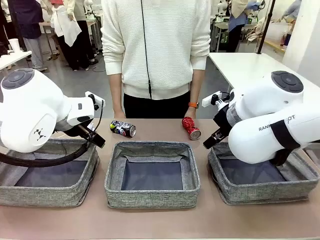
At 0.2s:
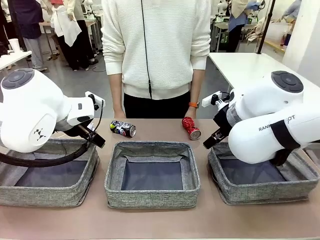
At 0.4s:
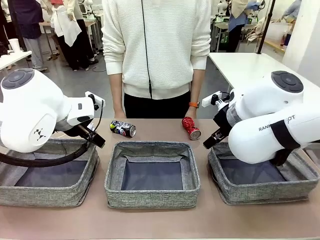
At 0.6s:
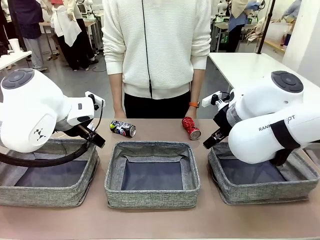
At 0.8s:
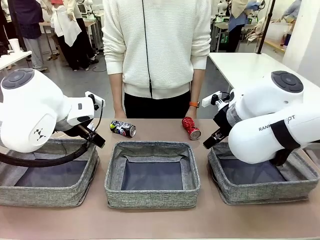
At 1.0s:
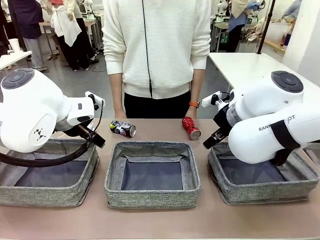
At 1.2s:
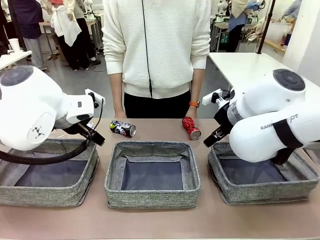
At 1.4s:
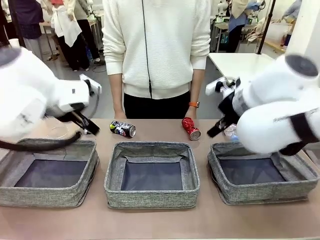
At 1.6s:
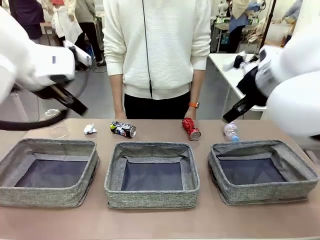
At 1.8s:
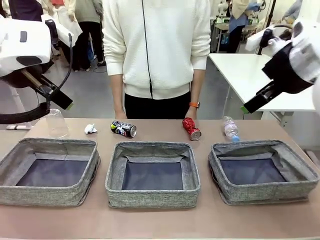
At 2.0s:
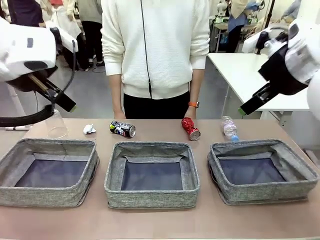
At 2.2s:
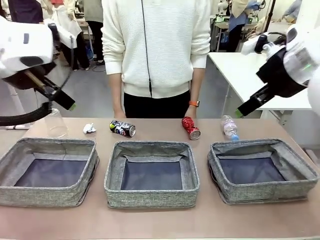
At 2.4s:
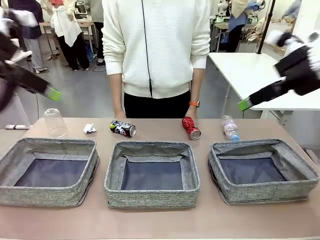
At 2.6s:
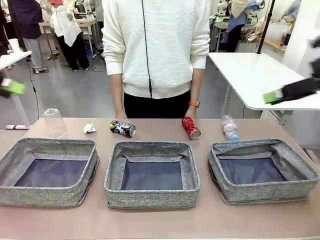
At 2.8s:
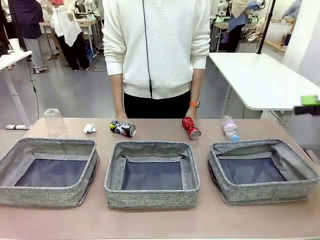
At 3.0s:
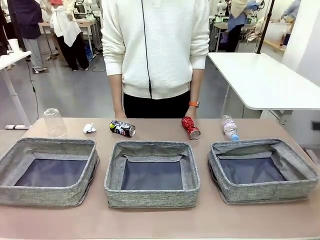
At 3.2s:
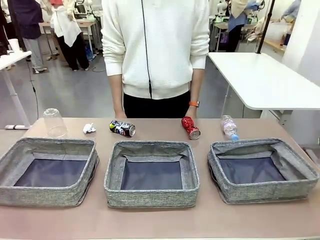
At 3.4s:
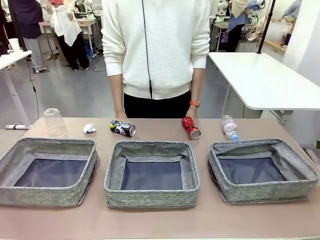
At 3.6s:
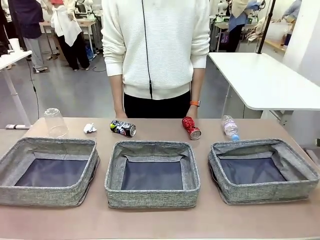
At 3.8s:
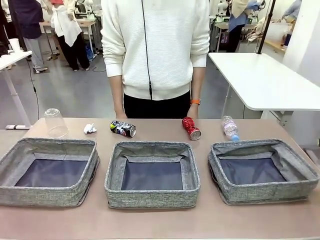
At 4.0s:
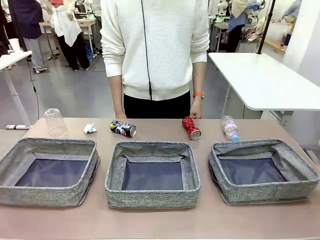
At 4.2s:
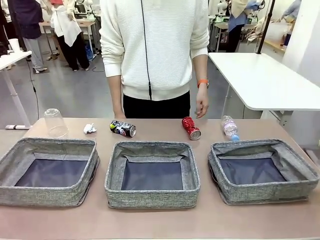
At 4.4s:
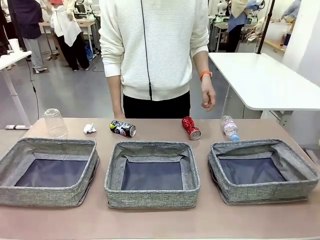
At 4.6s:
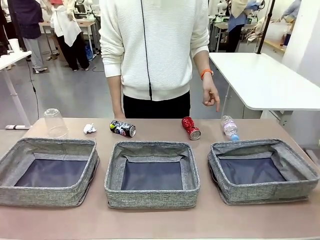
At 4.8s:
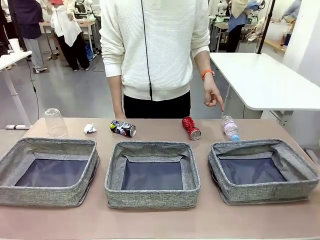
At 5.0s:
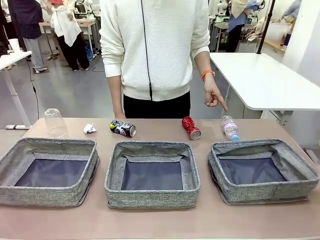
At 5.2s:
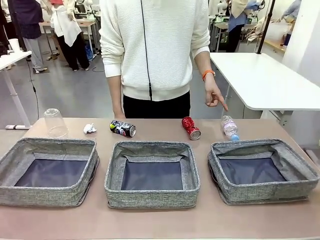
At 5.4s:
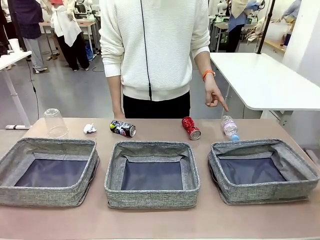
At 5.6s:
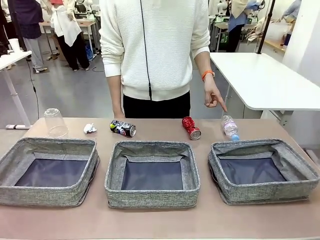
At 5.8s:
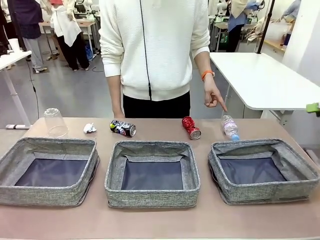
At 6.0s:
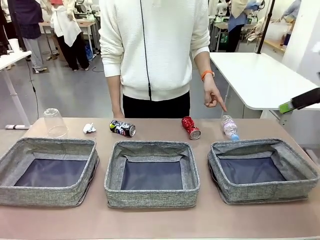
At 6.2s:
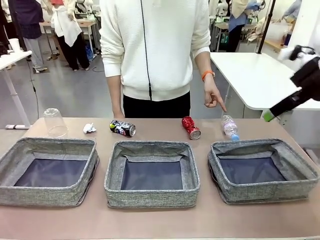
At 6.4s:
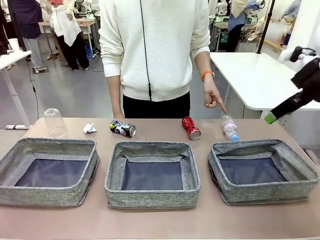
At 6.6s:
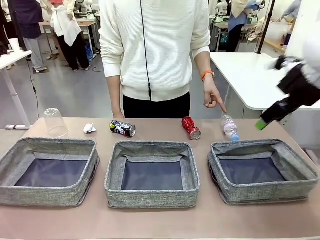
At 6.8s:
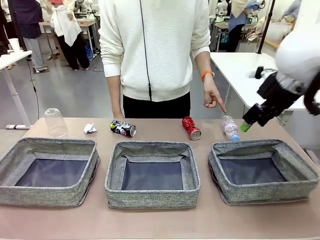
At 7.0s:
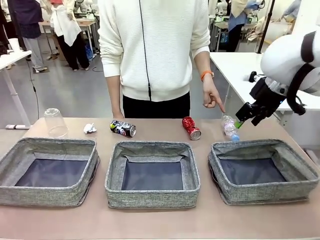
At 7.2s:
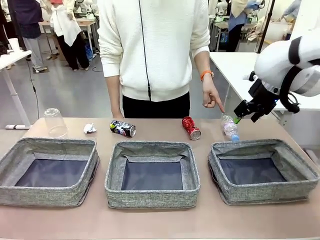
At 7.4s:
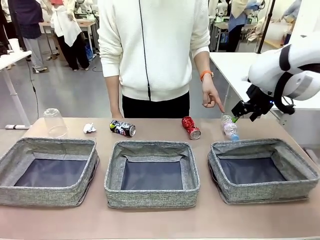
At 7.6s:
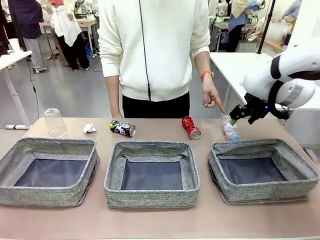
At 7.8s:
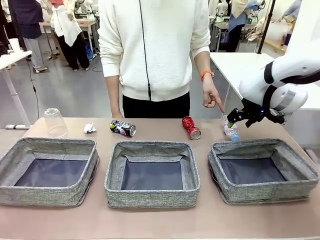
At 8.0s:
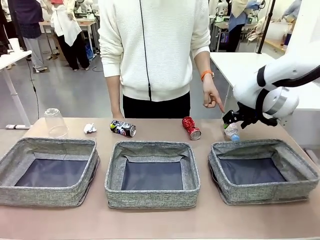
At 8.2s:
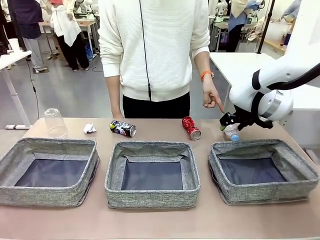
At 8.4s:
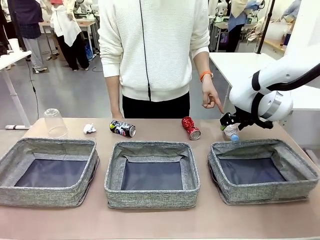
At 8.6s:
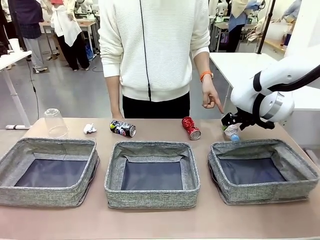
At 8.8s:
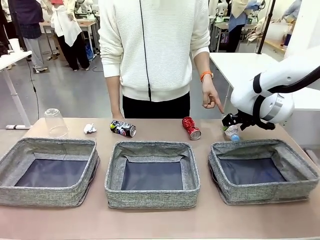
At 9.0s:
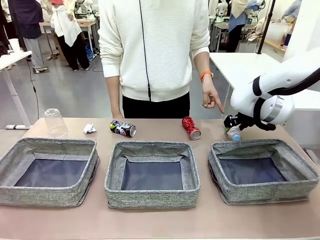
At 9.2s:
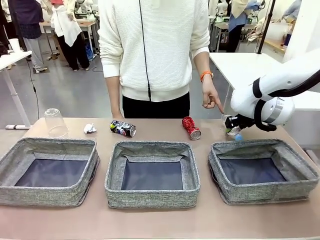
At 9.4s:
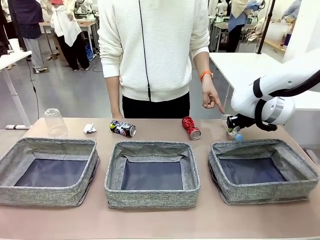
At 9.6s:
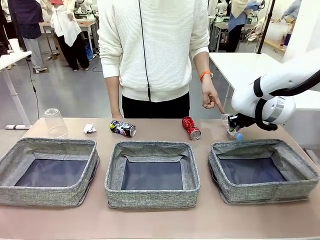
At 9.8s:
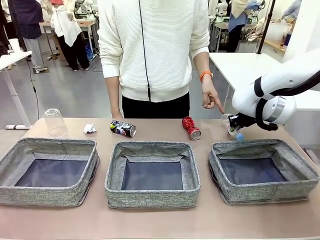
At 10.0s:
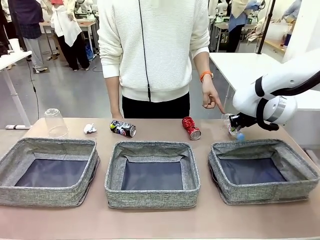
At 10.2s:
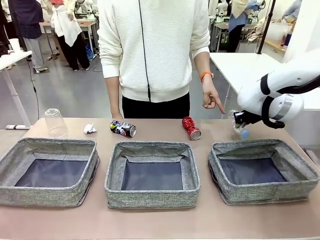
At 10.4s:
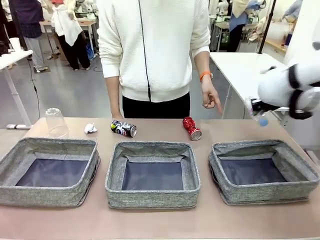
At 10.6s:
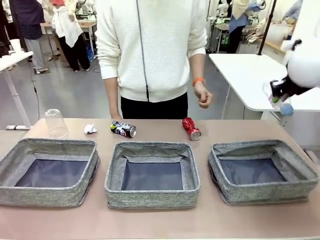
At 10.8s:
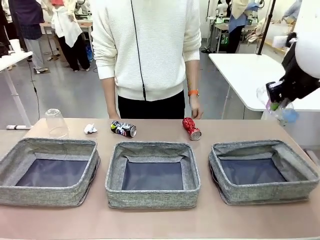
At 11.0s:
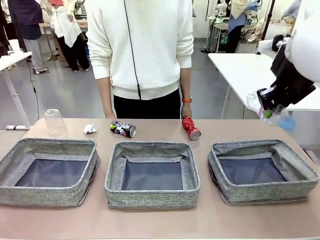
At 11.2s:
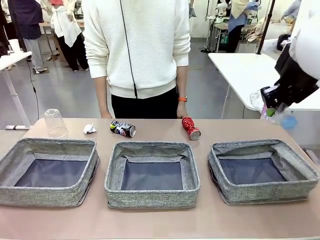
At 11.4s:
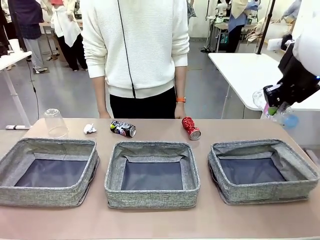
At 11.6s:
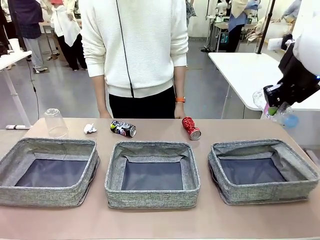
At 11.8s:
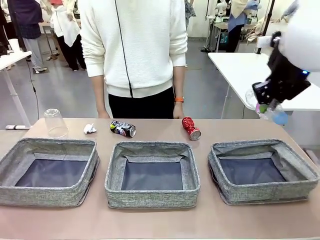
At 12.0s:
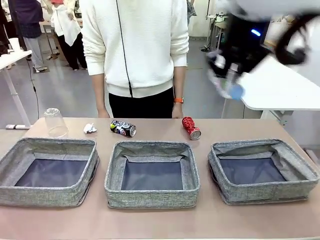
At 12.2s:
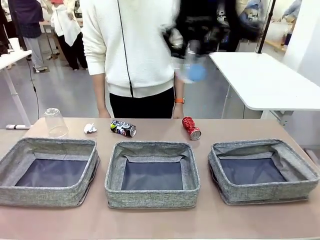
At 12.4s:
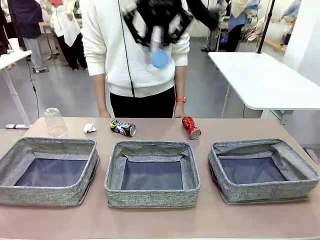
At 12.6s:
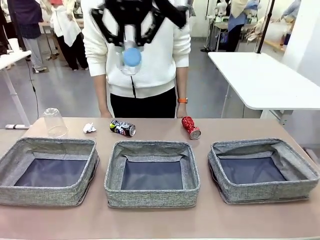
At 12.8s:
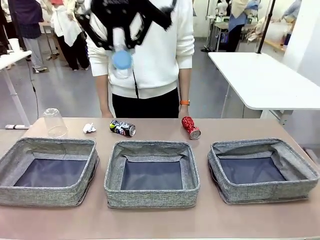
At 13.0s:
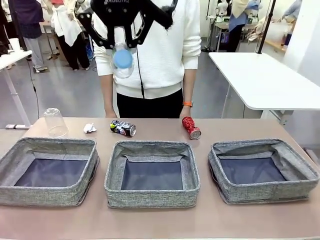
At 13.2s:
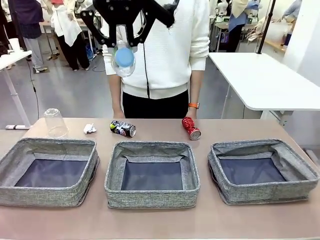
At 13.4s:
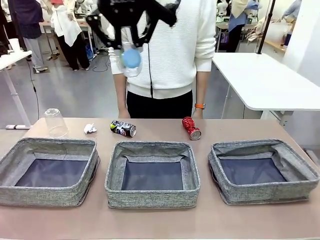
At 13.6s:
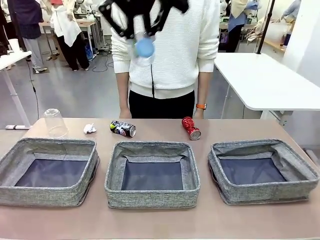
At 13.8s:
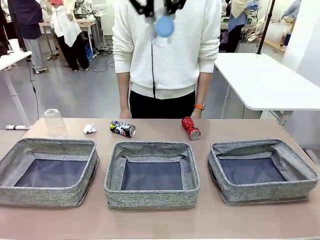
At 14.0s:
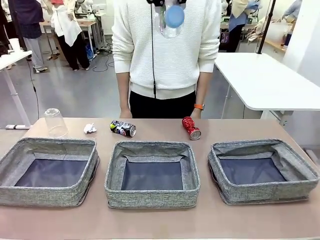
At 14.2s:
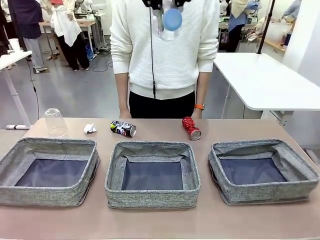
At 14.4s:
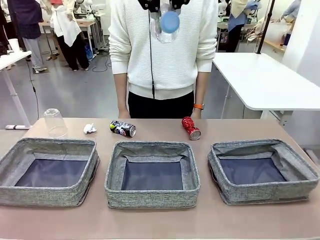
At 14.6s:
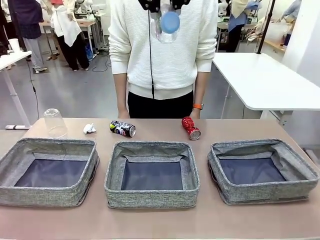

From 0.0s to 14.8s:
Task: Sort the waste into the appropriate baskets.
Robot: Pick up the waste item pointed out by the person.
Person: Points to one piece of trash on the table.

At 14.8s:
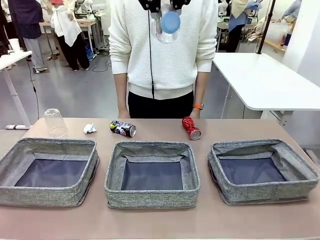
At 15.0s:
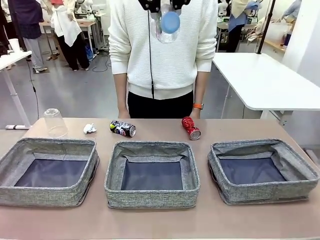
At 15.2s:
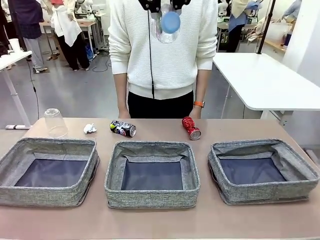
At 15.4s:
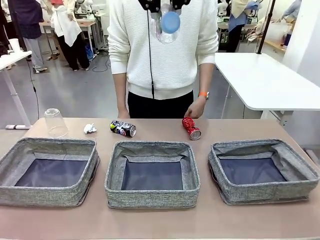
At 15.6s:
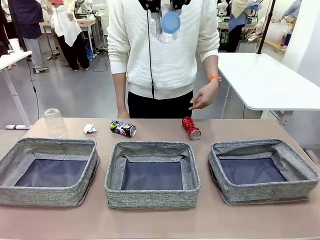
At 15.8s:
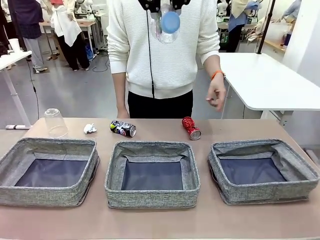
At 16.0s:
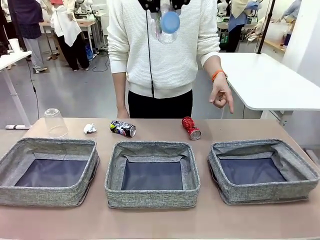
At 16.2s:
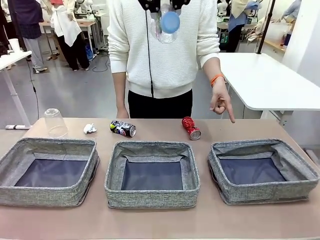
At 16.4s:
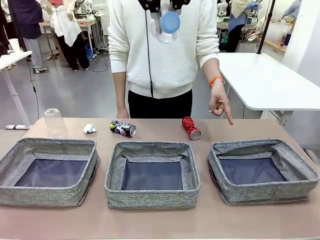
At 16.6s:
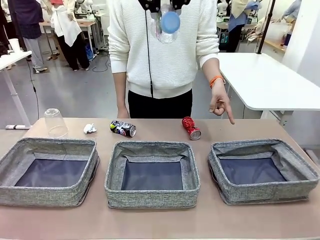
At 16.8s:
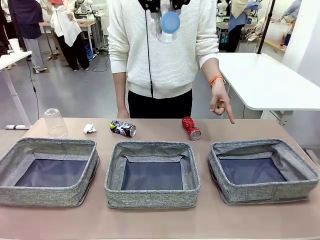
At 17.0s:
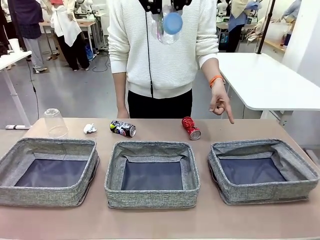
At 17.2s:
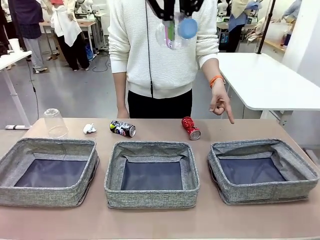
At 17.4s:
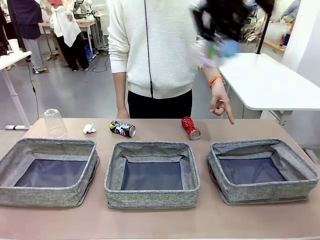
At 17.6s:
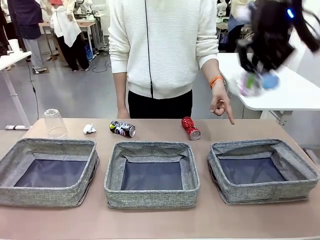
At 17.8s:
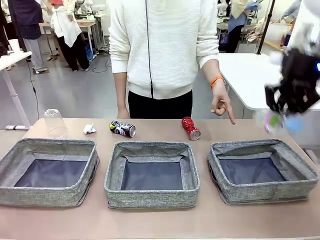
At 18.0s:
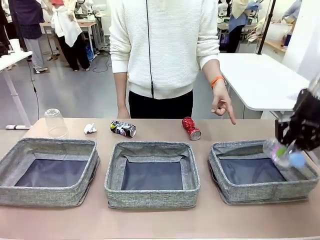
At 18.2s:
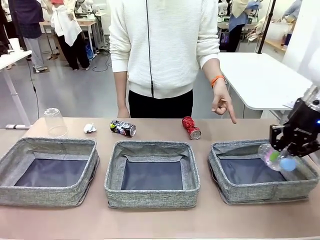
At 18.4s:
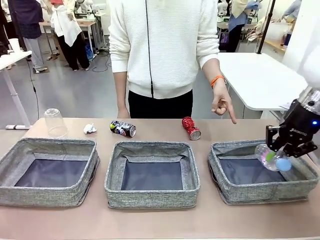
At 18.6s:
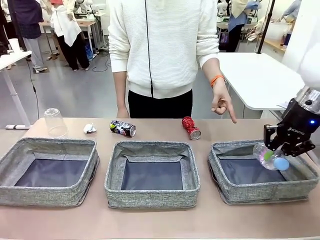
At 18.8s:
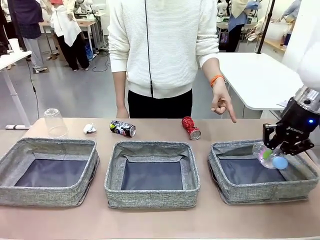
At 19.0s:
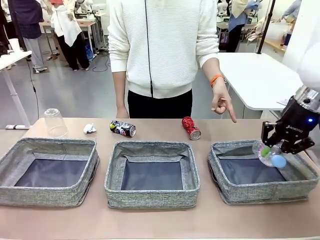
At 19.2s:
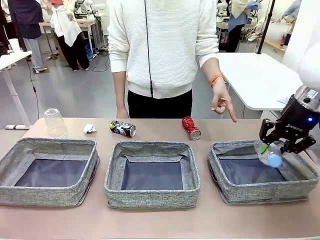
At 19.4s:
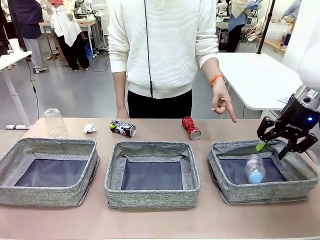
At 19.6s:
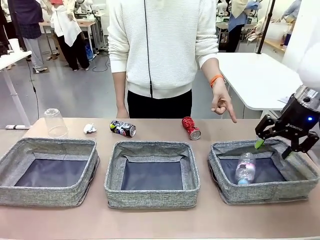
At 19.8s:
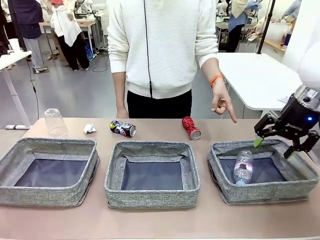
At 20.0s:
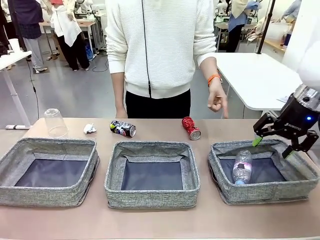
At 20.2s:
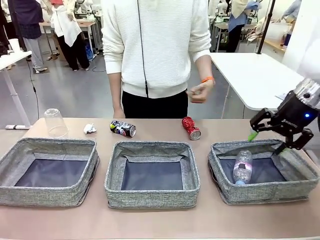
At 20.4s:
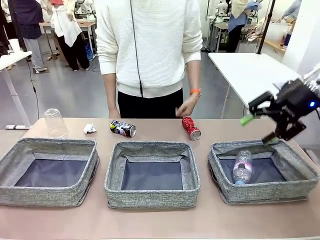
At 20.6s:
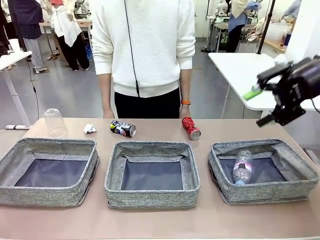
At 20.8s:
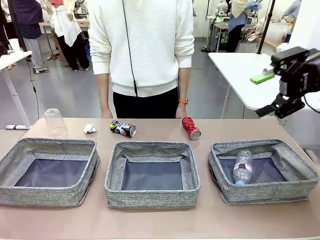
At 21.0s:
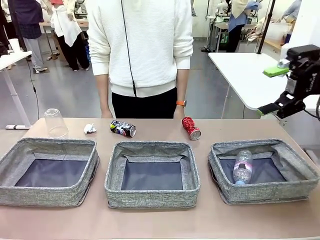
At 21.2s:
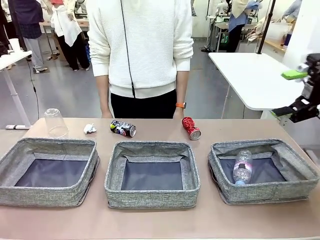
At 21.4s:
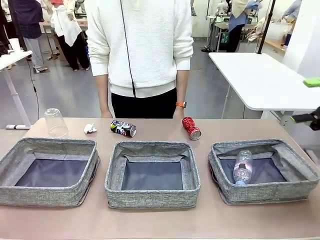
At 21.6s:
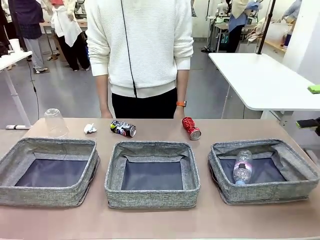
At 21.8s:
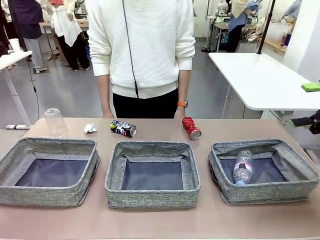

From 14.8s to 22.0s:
Robot: Place the picked waste into the Fabric basket indicated by the person.
Person: Instructs the robot to place the picked-up trash into the appropriate organizing basket.
